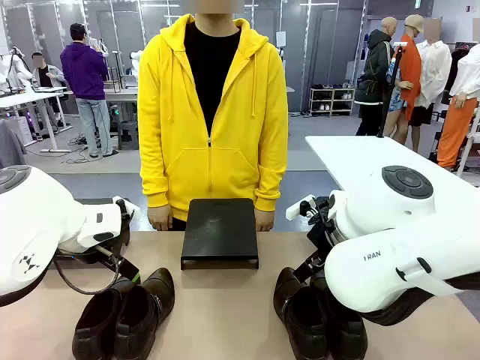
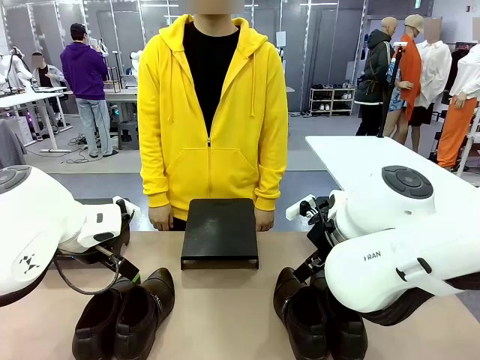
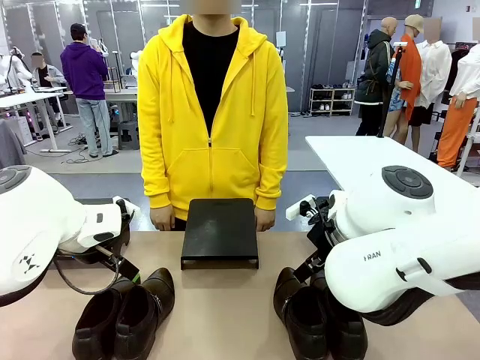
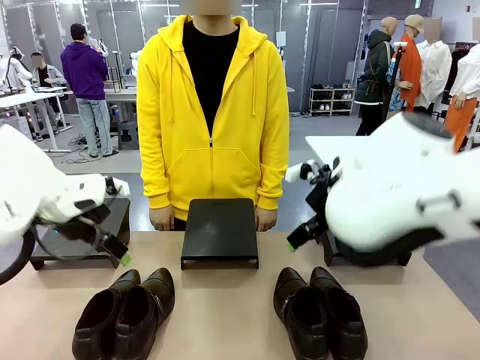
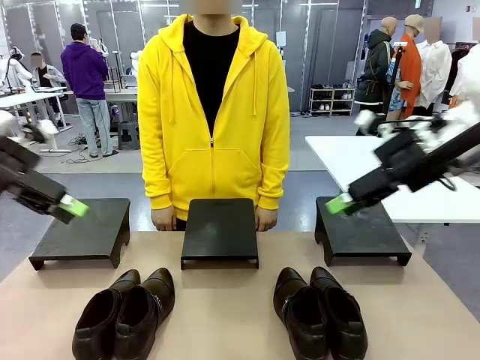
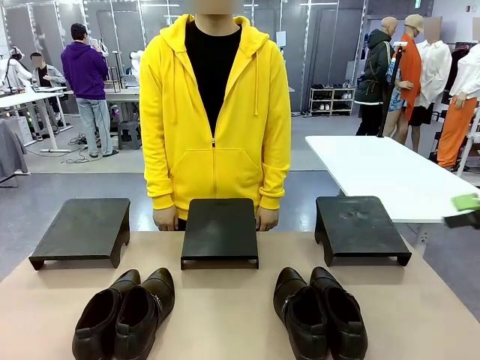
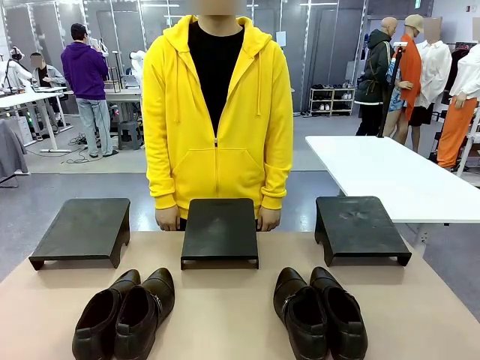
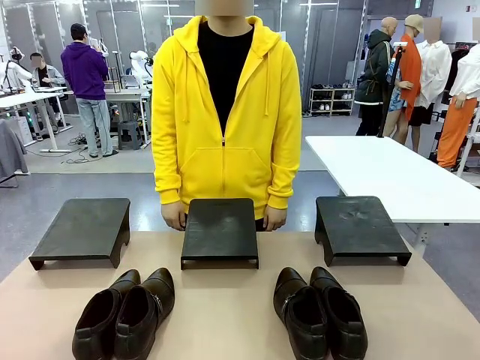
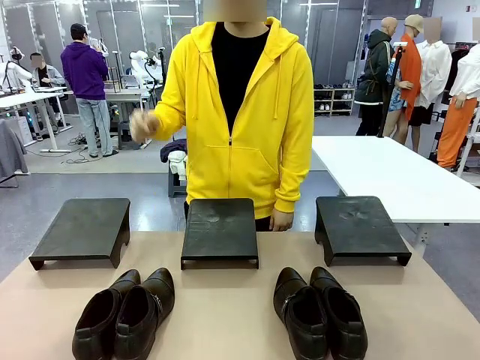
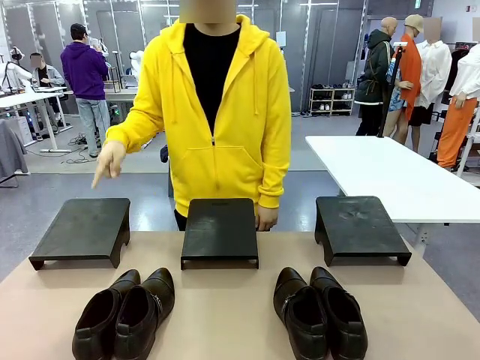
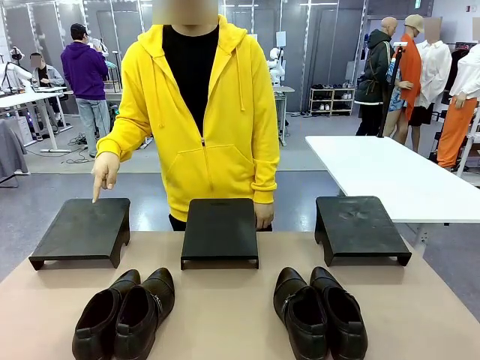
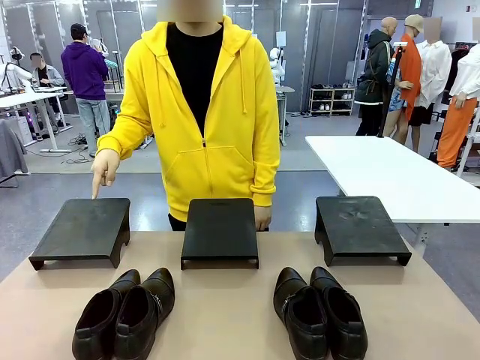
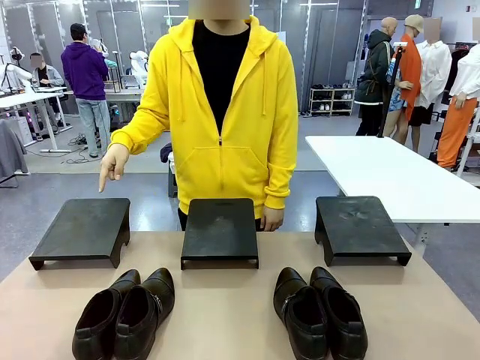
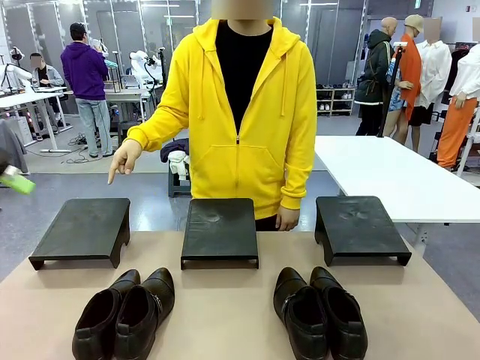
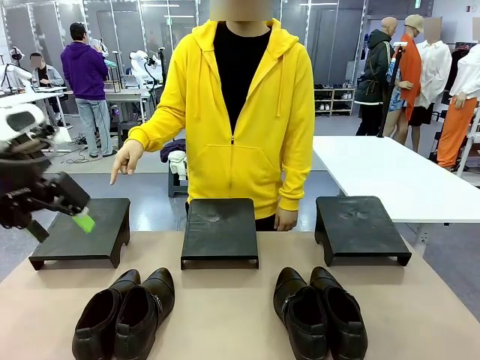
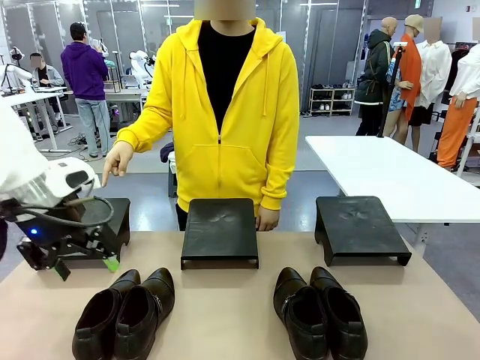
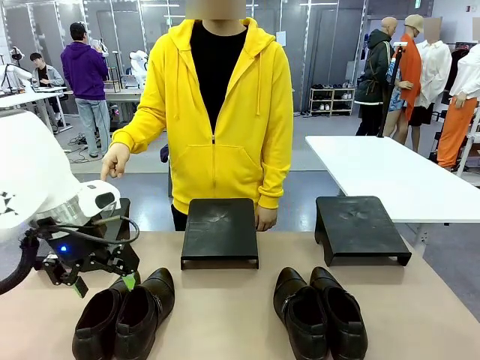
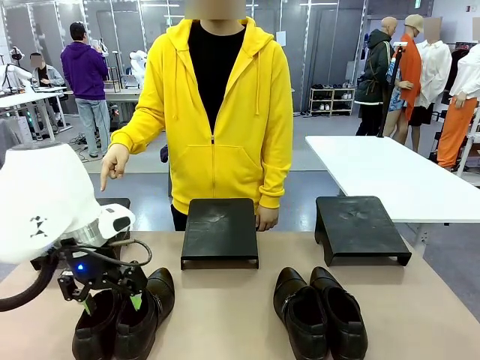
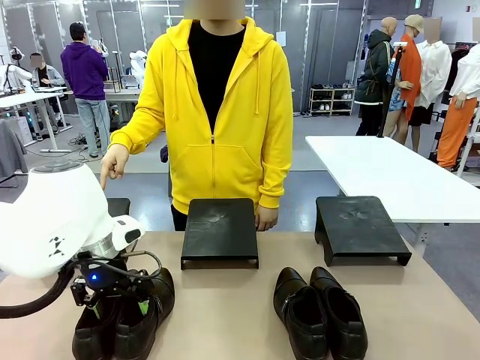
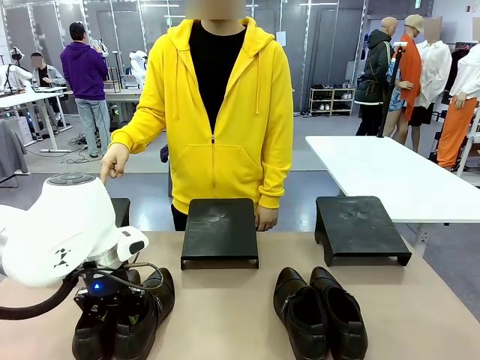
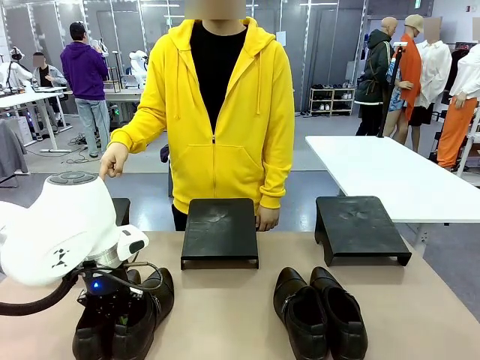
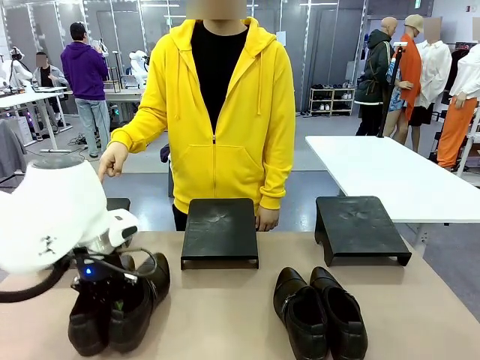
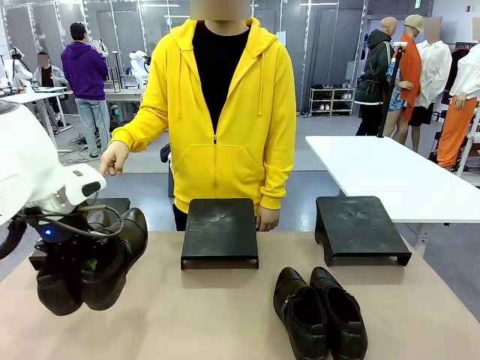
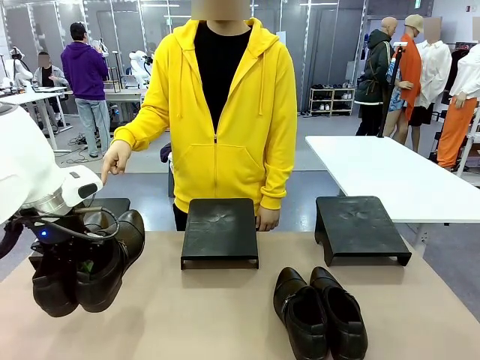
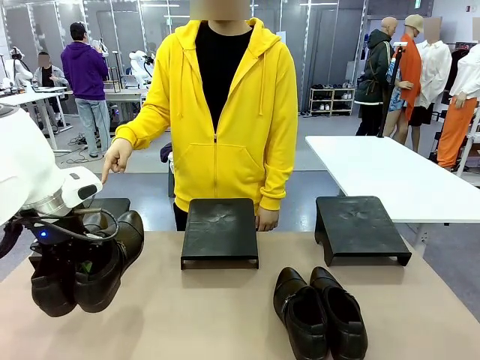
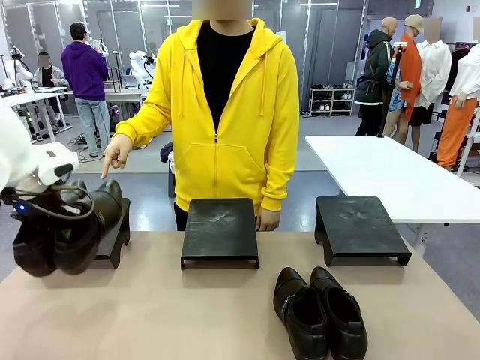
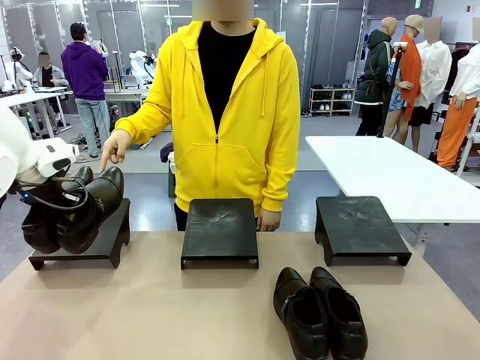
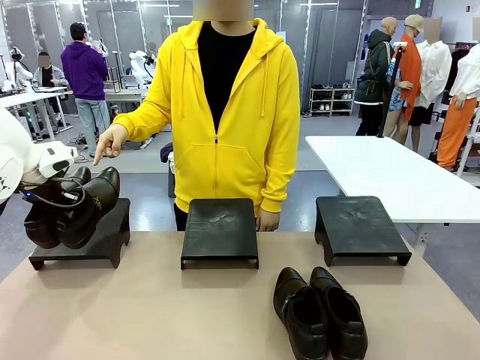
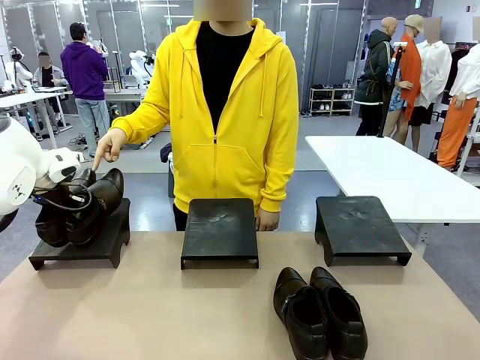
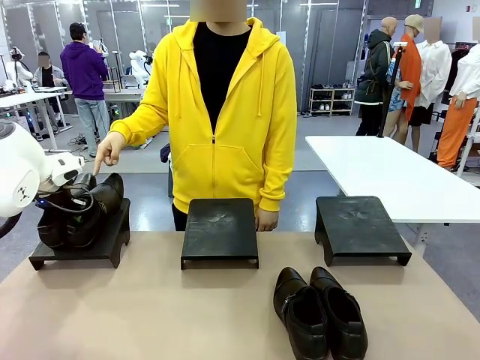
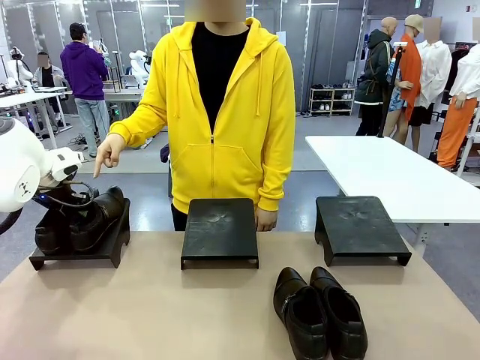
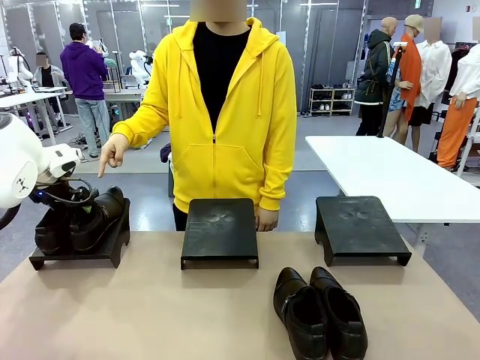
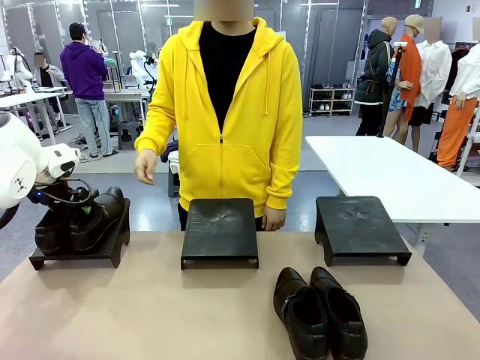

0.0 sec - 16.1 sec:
Task: Place the shoes on the stand as instructed by the person.
Robot: Pick up one pair of Shoes and place it on the Shoes Stand indicated by the person.
